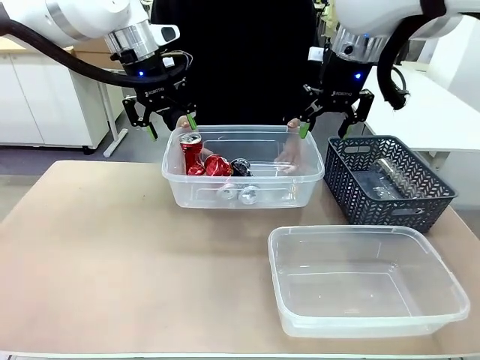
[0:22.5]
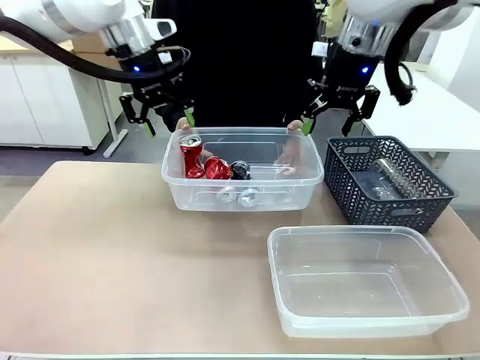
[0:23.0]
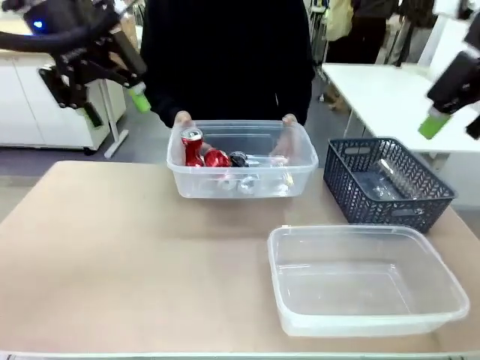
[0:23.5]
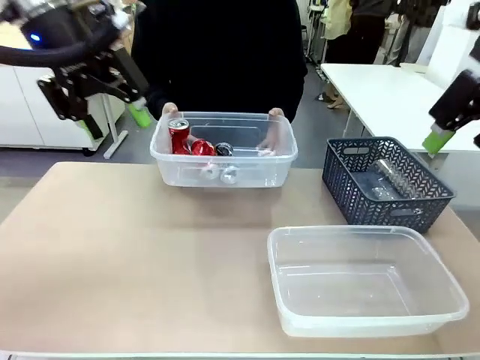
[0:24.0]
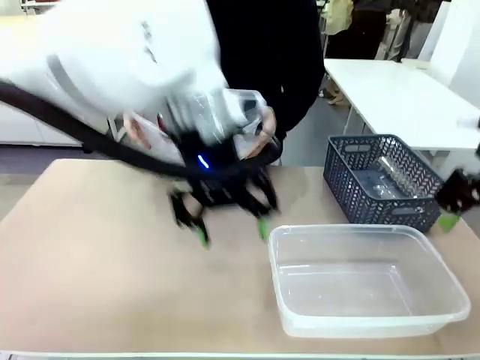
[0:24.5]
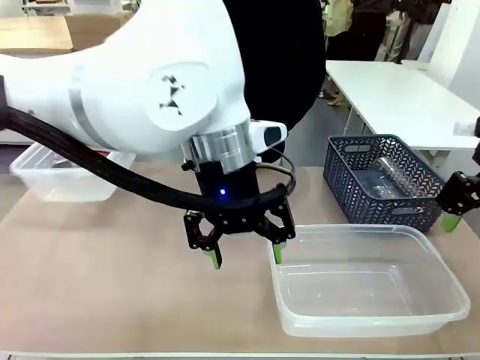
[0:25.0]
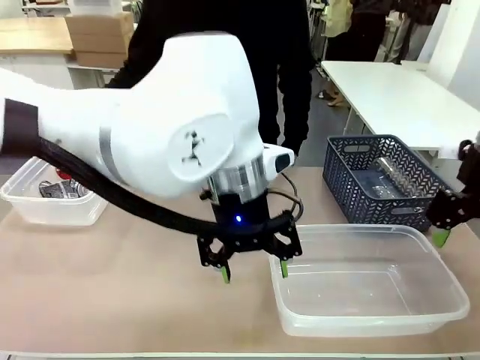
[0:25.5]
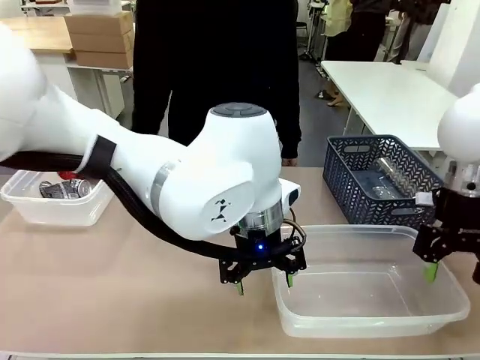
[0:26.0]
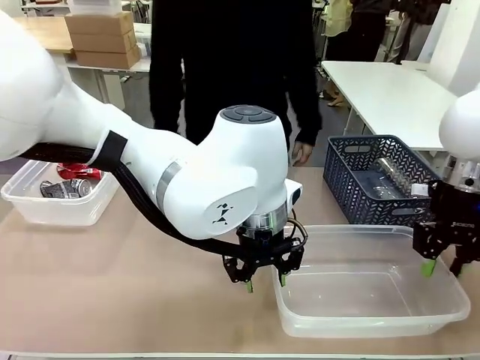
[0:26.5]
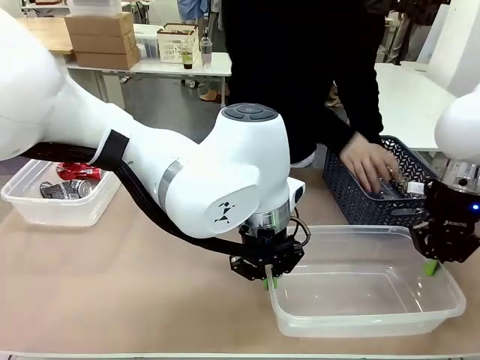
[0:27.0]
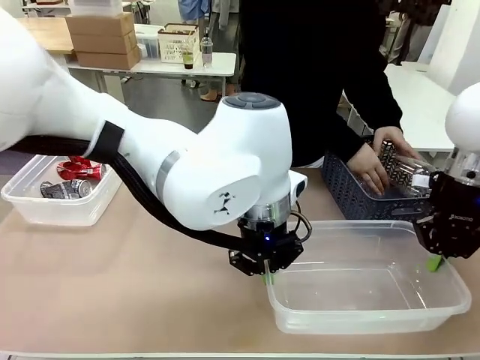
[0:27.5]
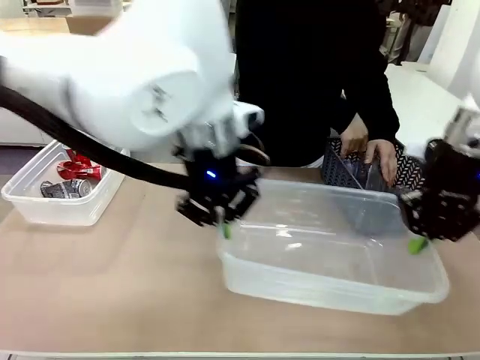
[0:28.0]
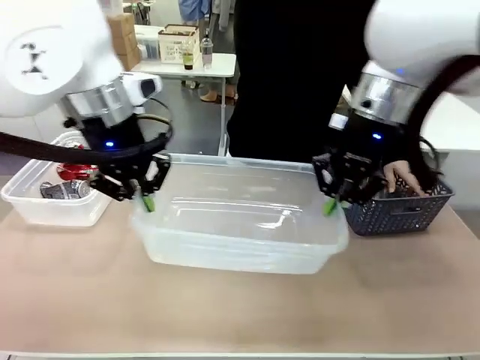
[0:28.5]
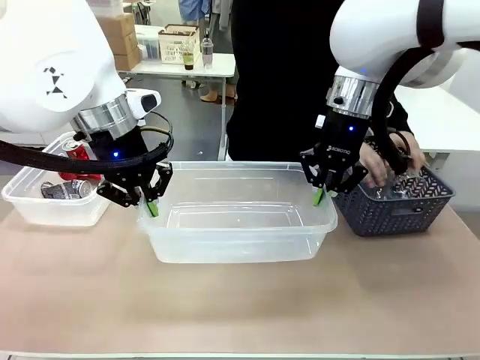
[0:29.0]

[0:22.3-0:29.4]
Robot: Pick up the Organizing box on the right side of the table and lift it.
Person: Place it at the edge of the bottom right area of the robot table.

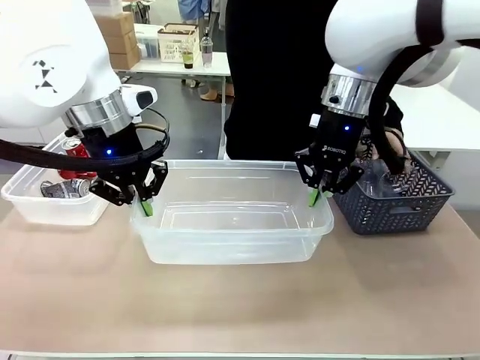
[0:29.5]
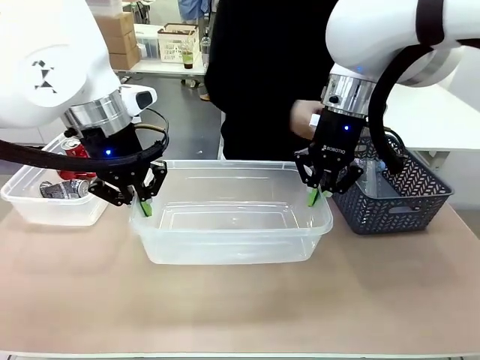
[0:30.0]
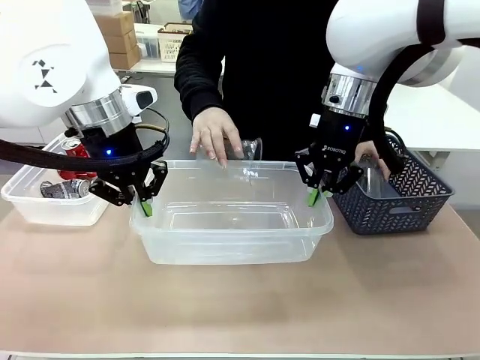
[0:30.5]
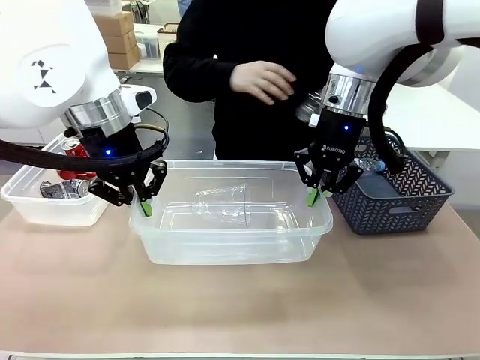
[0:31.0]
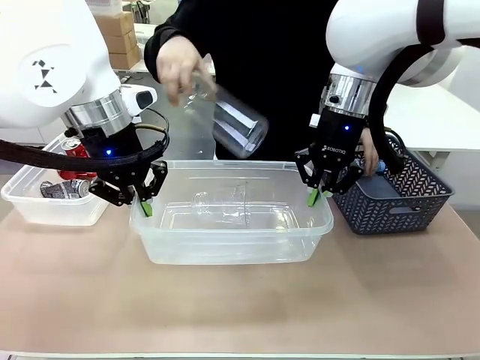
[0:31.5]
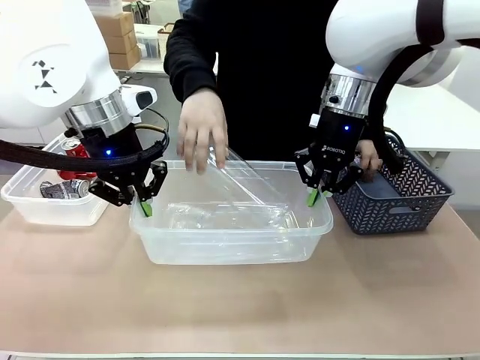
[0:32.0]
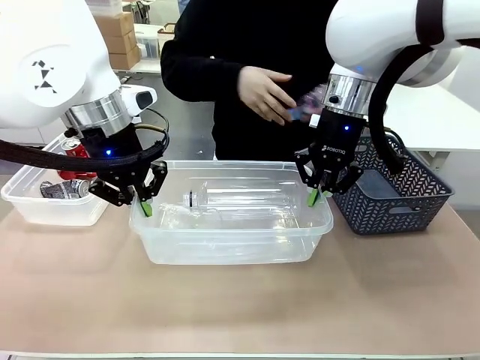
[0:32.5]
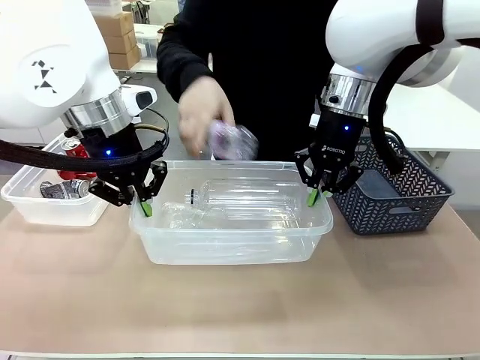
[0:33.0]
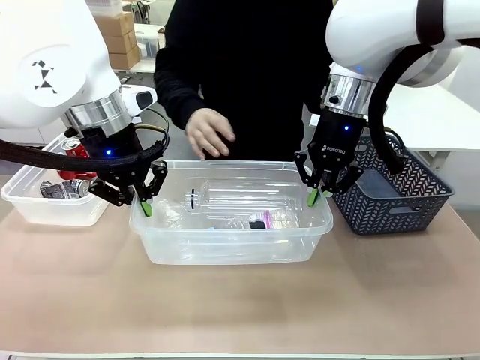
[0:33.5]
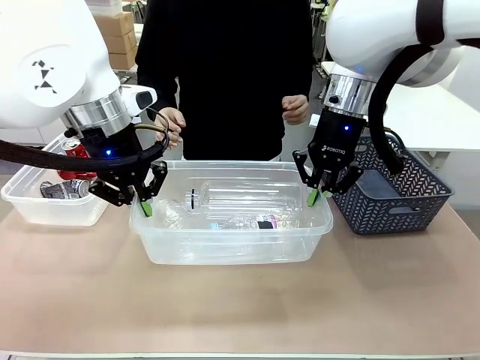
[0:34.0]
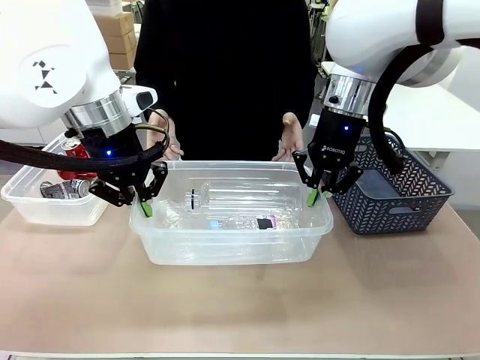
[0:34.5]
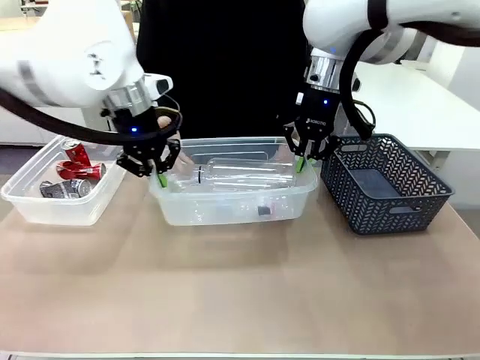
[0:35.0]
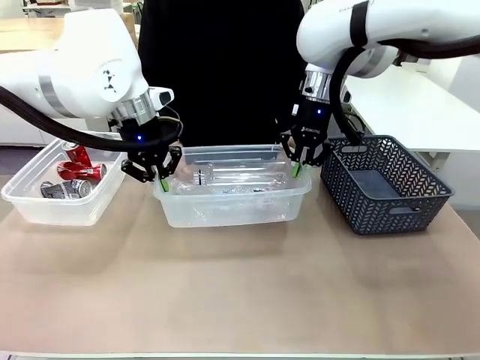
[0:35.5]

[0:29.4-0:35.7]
Robot: Offer the picked Organizing box to the human.
Person: Pick up plastic waste one by one and place it into the organizing box lifted by the robot.

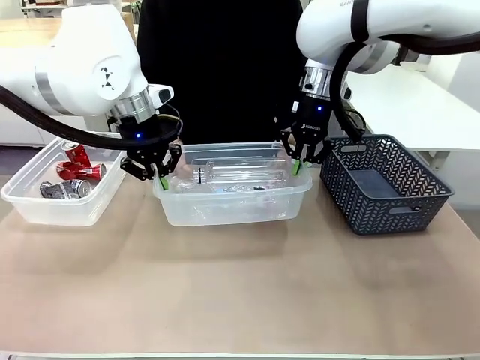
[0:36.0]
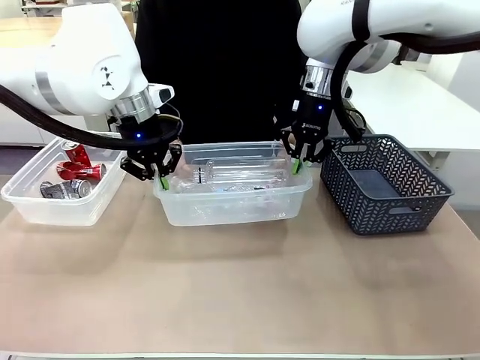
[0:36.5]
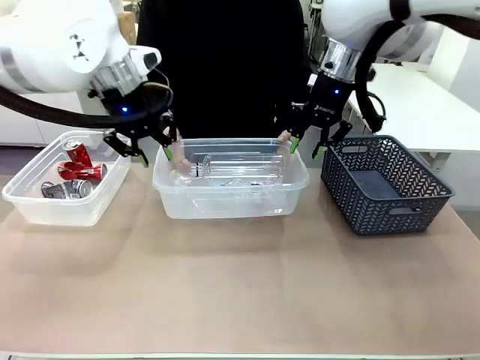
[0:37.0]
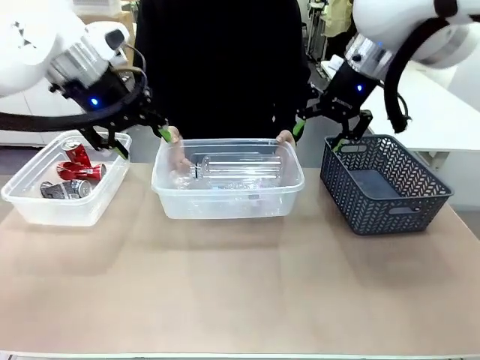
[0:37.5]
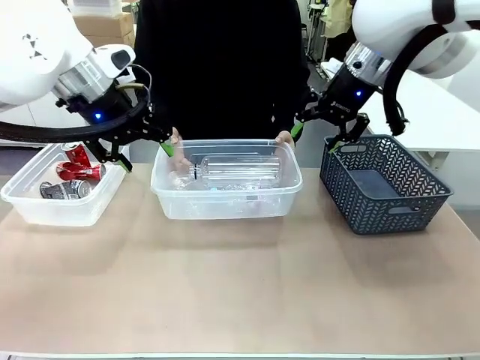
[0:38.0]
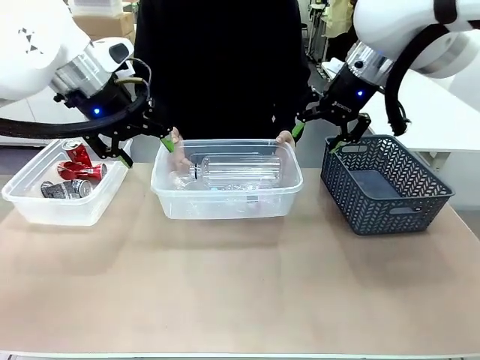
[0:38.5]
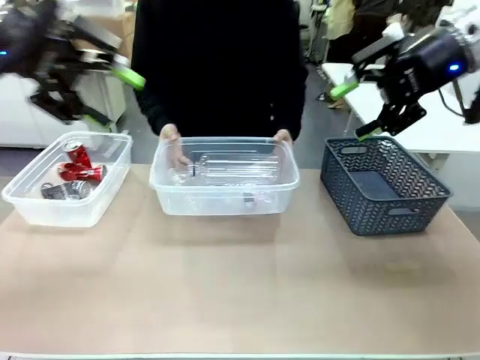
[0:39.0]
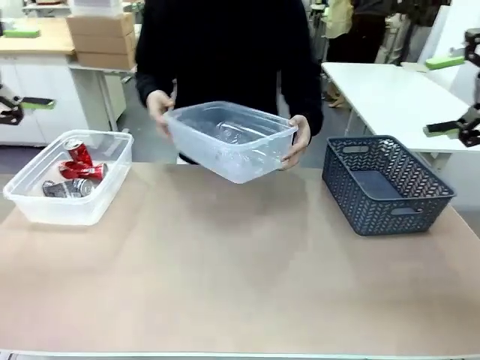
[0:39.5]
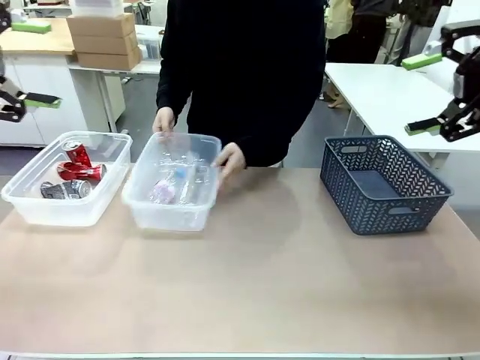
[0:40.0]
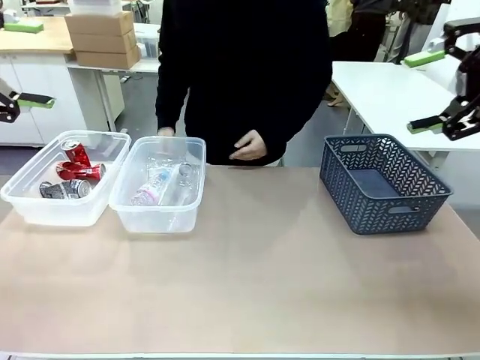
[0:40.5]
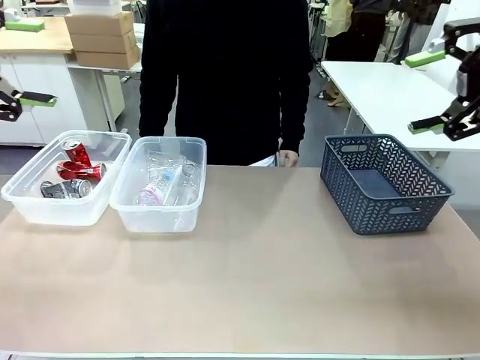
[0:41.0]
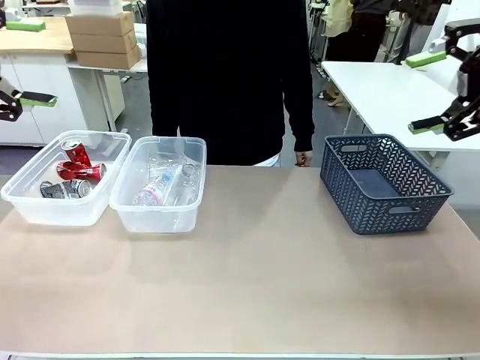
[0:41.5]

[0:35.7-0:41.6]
Robot: Release the Organizing box you were holding.
Person: Pick up the organizing box extended by the robot. Place the organizing box to the left of the sorting box containing the can waste.

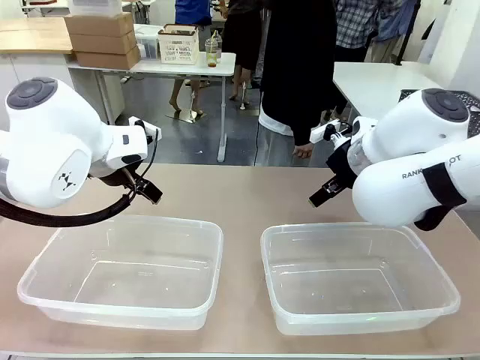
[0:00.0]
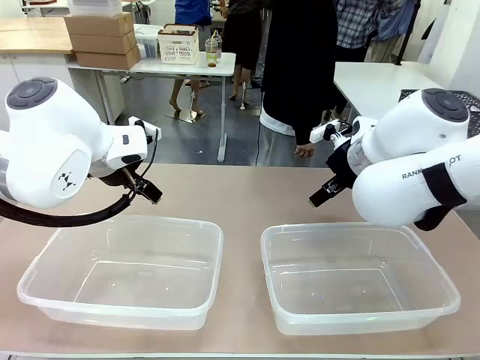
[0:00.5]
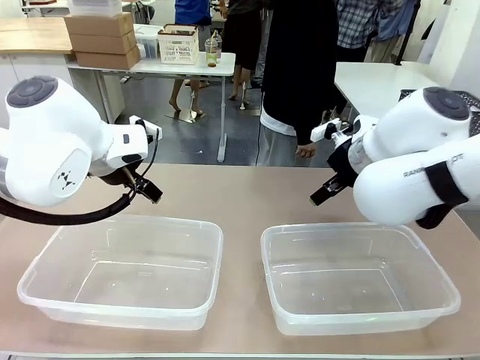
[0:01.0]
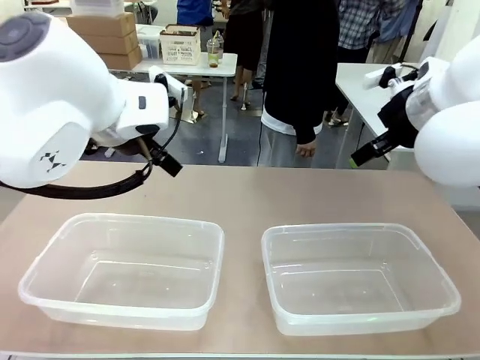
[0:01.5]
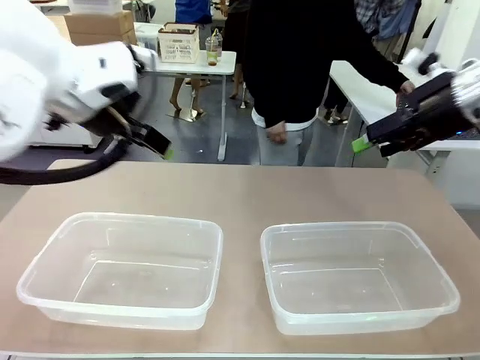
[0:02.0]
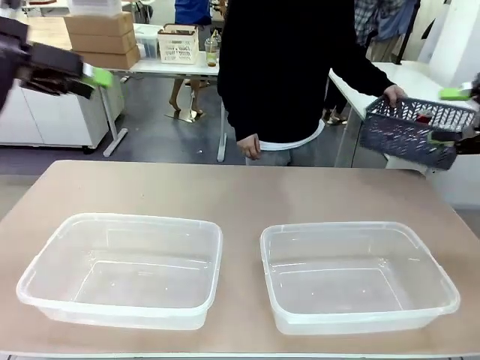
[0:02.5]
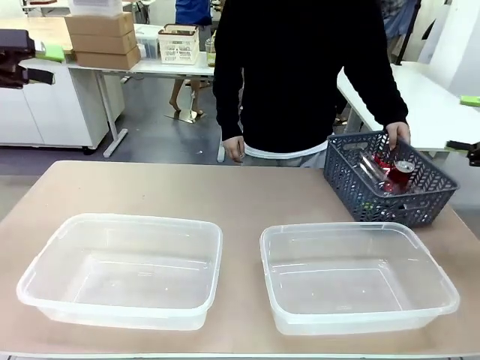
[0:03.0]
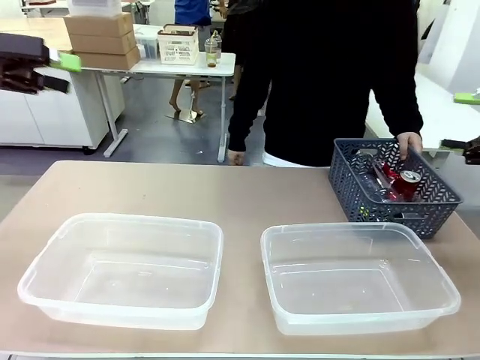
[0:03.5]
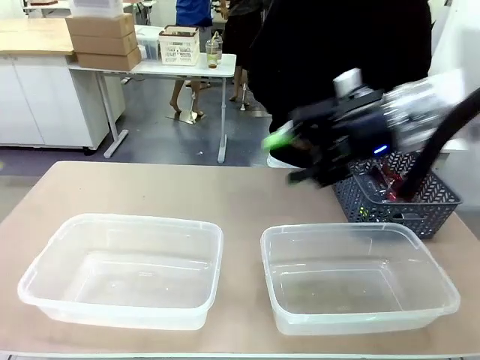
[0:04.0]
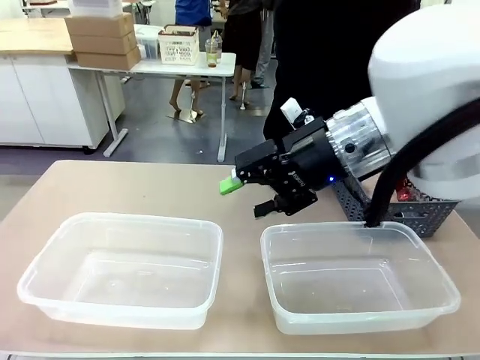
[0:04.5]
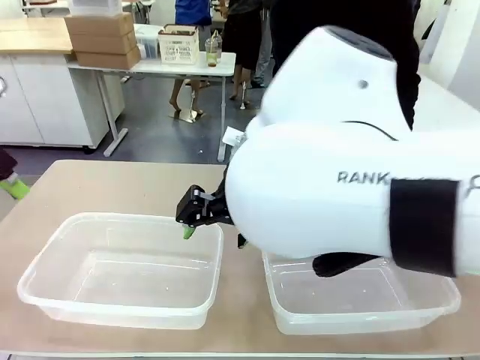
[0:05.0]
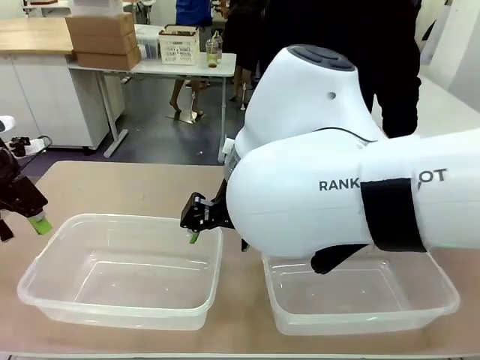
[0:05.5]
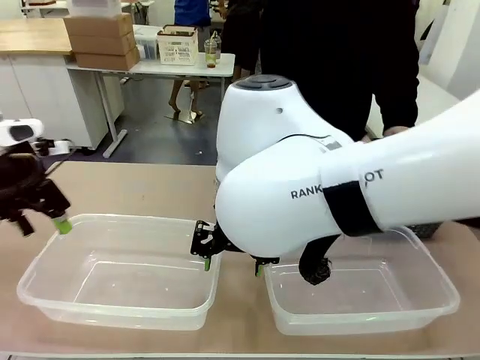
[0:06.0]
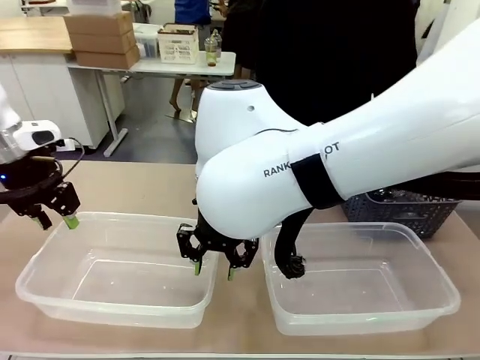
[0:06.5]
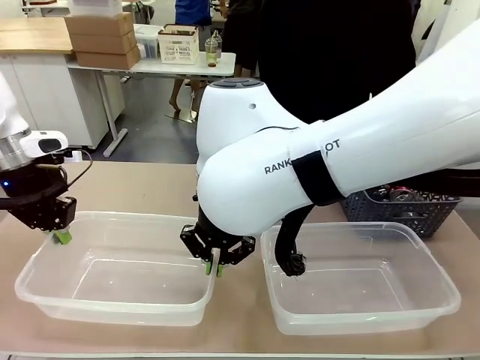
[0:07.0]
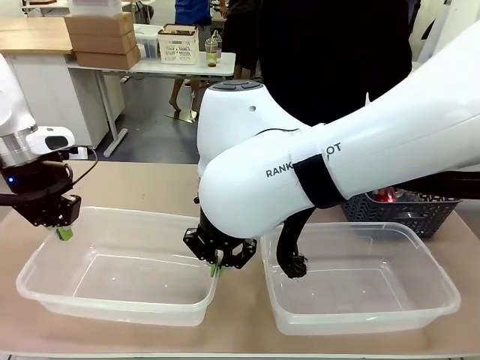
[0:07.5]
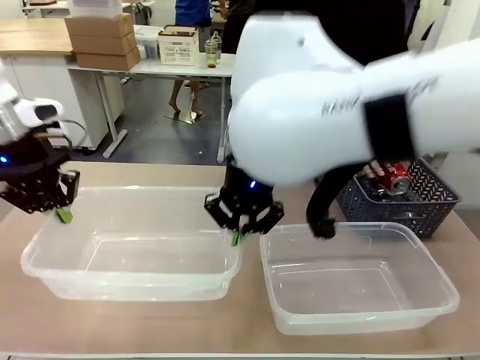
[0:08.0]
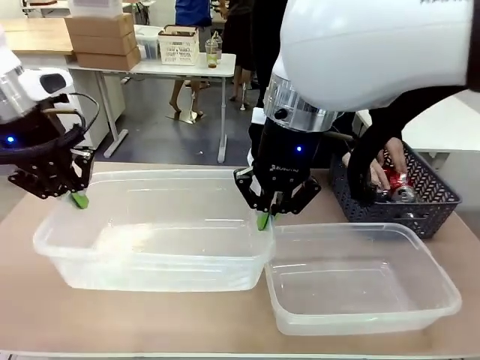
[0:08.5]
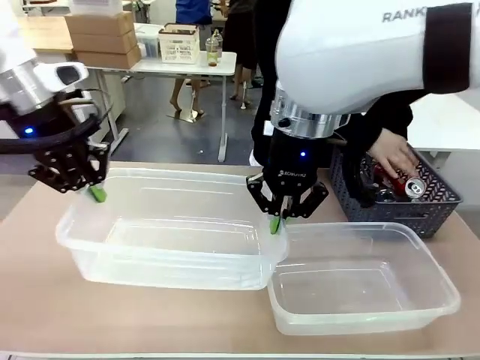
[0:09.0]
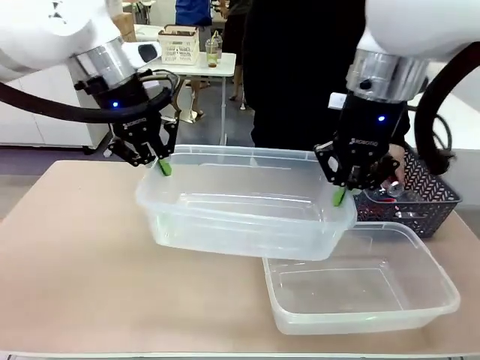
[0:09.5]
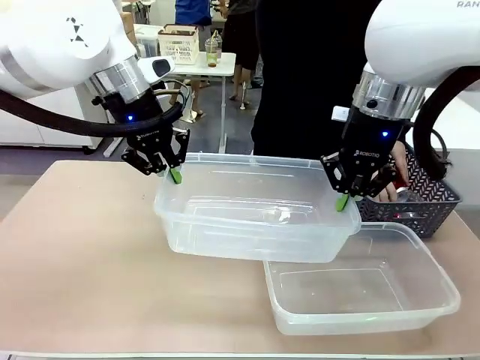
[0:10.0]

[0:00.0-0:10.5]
Robot: Pick up the Organizing box on the left side of the table and lift it.
Person: Pick up the storage basket and place it on the left side of the robot table. Pick up can-shaped waste one by one and place it into the organizing box lifted by the robot.
